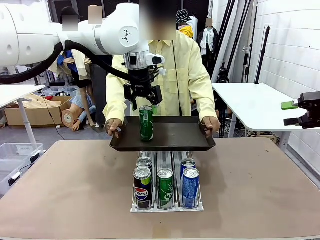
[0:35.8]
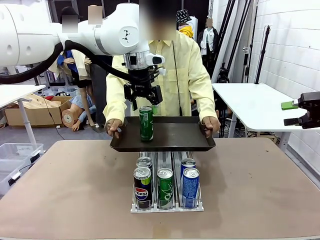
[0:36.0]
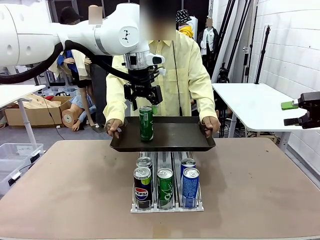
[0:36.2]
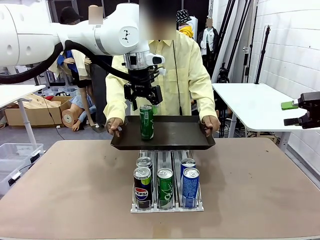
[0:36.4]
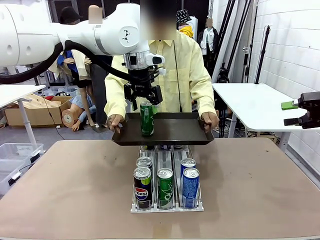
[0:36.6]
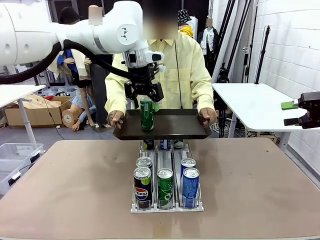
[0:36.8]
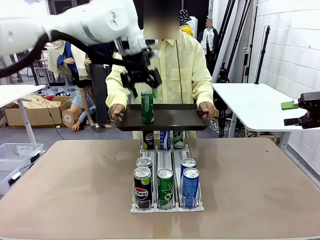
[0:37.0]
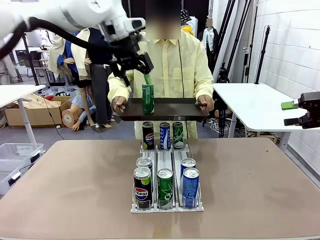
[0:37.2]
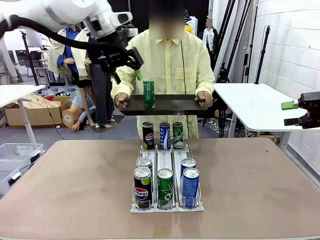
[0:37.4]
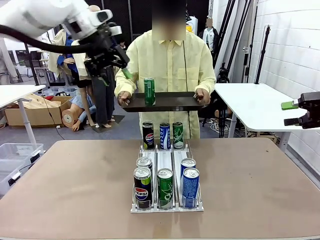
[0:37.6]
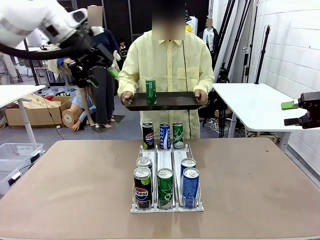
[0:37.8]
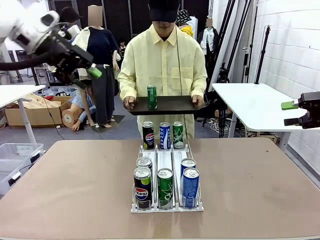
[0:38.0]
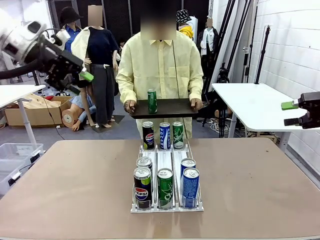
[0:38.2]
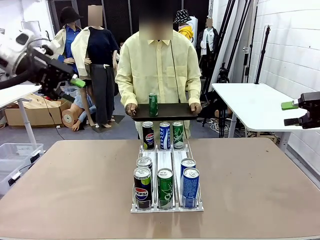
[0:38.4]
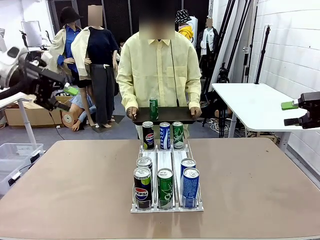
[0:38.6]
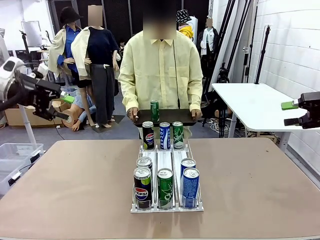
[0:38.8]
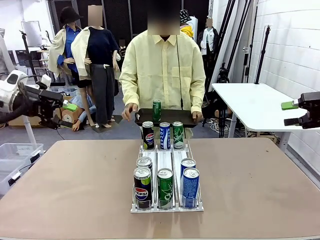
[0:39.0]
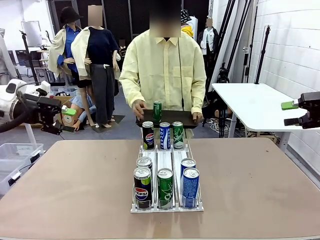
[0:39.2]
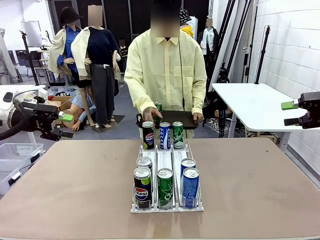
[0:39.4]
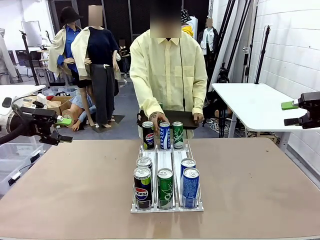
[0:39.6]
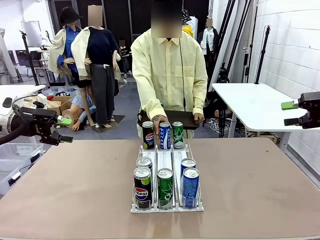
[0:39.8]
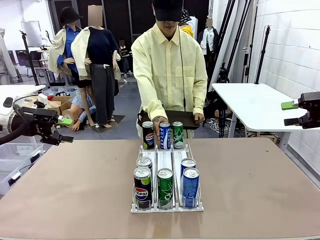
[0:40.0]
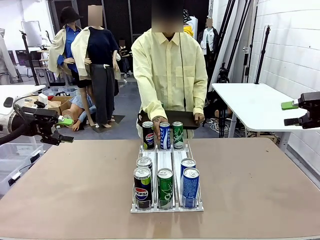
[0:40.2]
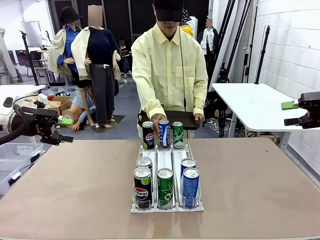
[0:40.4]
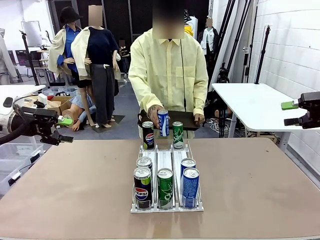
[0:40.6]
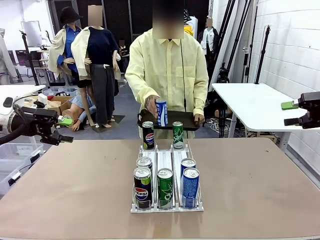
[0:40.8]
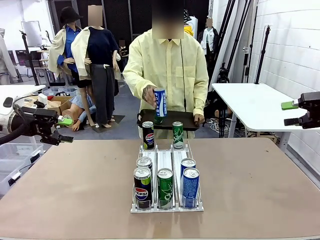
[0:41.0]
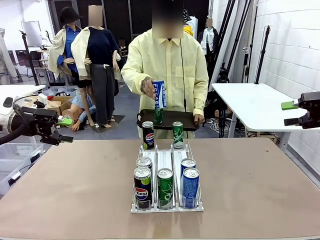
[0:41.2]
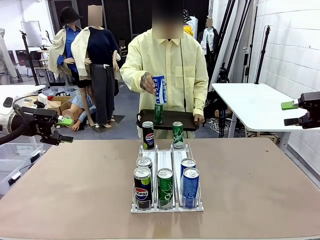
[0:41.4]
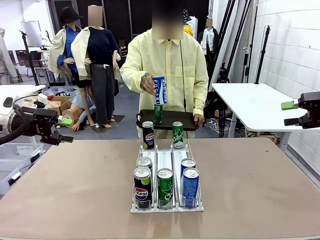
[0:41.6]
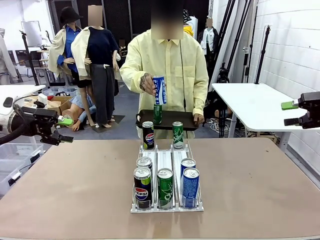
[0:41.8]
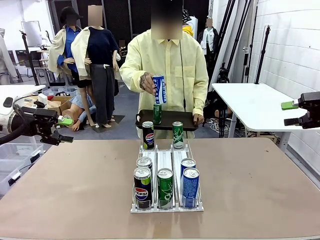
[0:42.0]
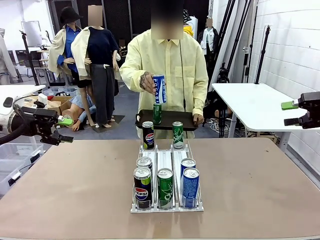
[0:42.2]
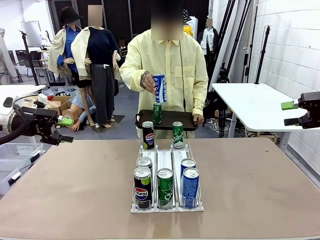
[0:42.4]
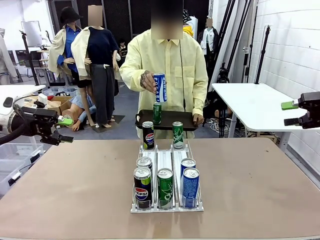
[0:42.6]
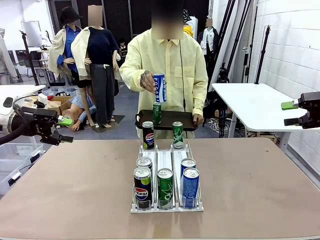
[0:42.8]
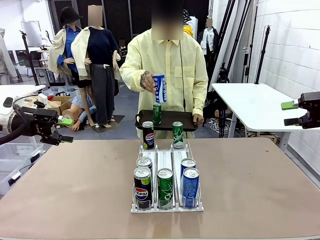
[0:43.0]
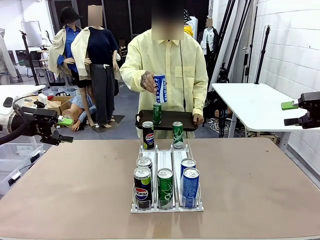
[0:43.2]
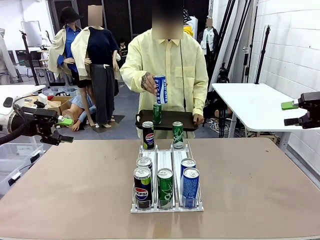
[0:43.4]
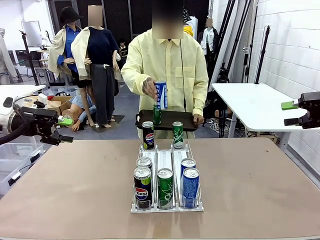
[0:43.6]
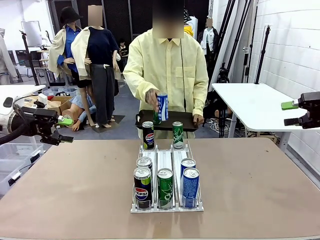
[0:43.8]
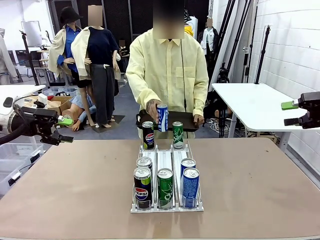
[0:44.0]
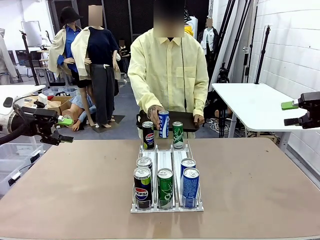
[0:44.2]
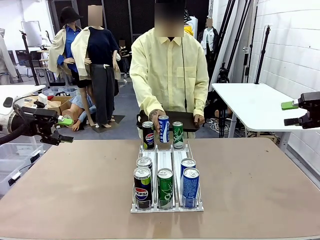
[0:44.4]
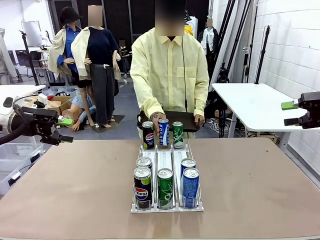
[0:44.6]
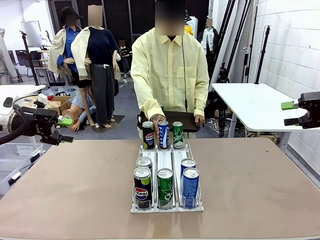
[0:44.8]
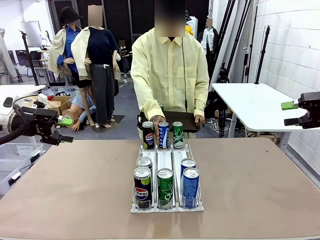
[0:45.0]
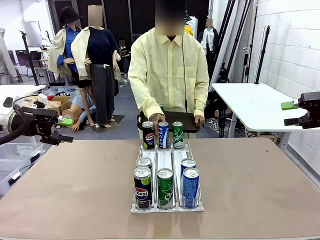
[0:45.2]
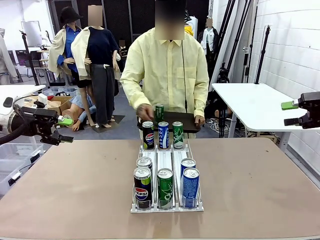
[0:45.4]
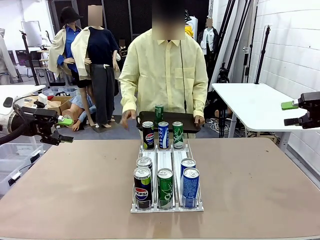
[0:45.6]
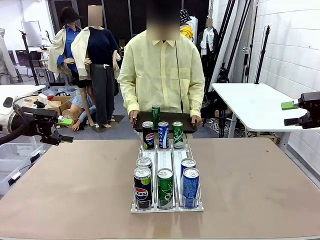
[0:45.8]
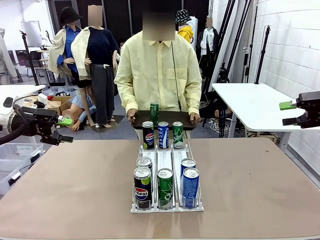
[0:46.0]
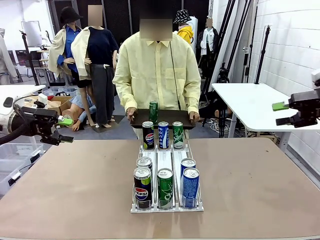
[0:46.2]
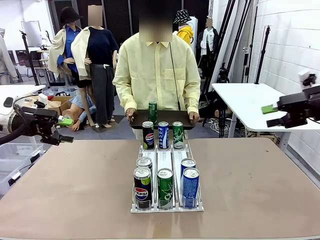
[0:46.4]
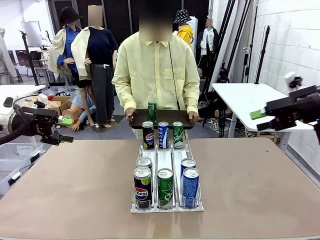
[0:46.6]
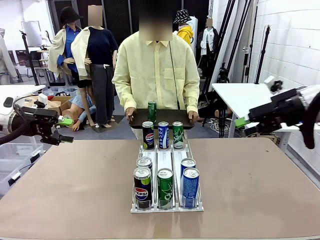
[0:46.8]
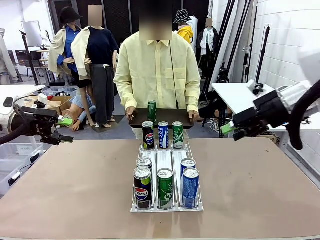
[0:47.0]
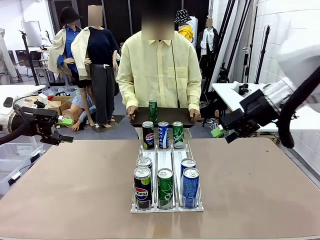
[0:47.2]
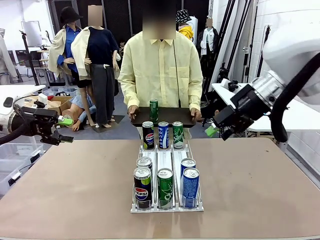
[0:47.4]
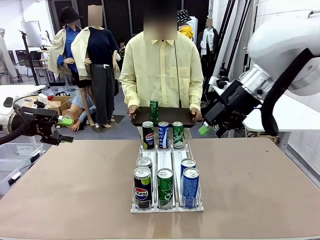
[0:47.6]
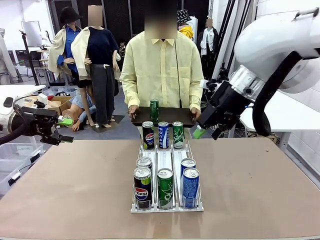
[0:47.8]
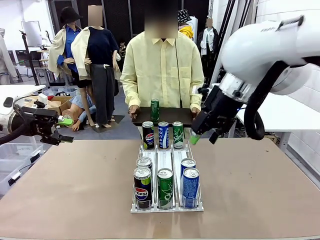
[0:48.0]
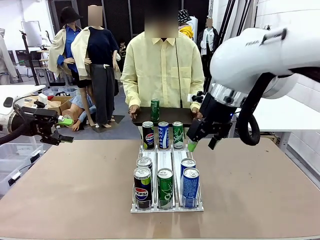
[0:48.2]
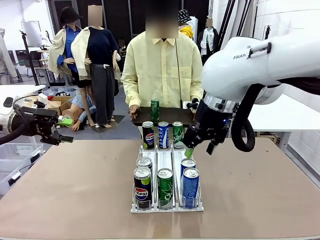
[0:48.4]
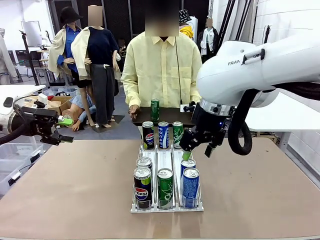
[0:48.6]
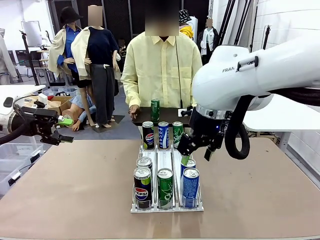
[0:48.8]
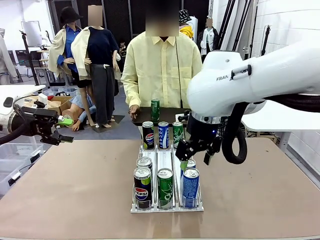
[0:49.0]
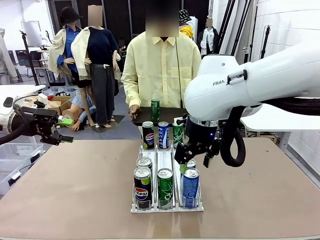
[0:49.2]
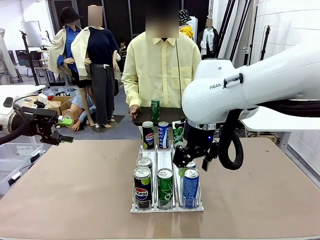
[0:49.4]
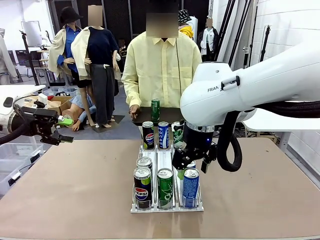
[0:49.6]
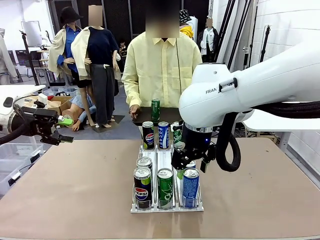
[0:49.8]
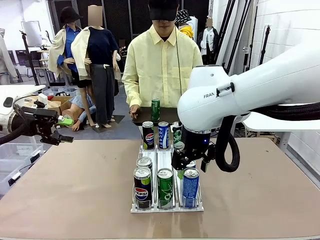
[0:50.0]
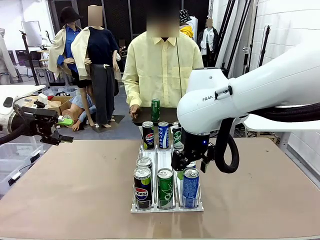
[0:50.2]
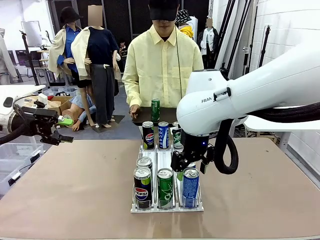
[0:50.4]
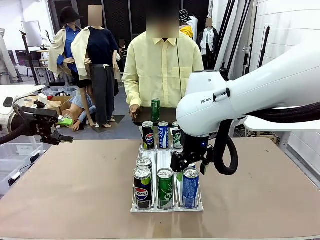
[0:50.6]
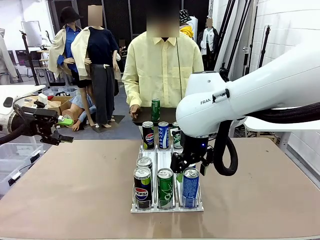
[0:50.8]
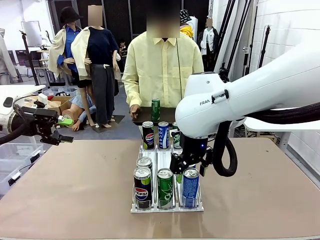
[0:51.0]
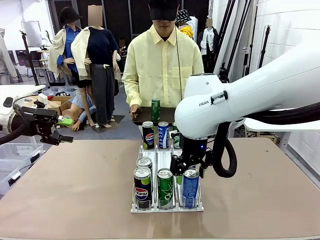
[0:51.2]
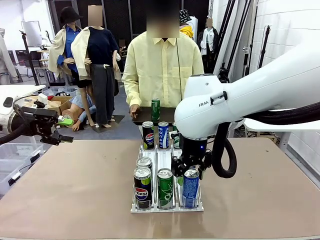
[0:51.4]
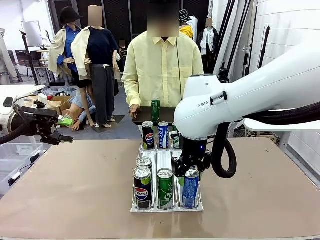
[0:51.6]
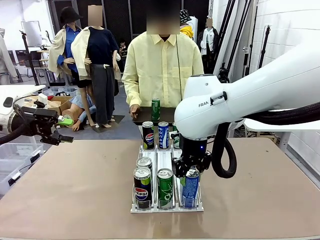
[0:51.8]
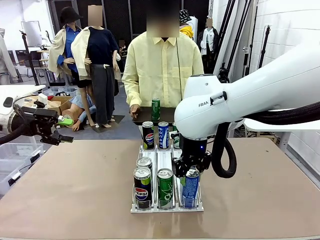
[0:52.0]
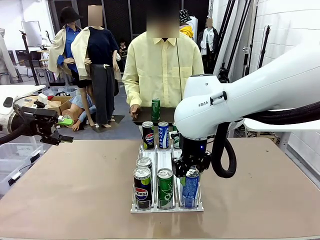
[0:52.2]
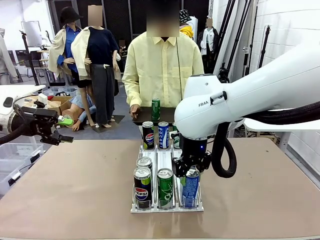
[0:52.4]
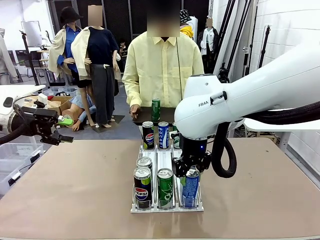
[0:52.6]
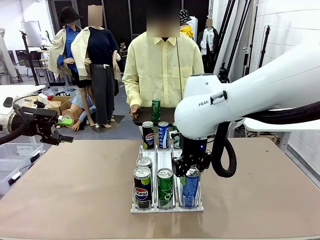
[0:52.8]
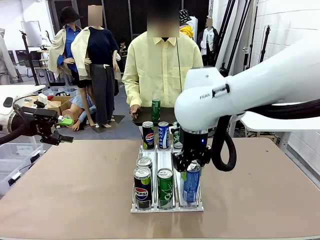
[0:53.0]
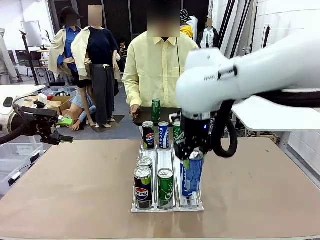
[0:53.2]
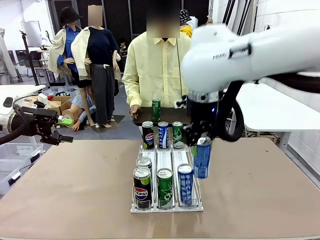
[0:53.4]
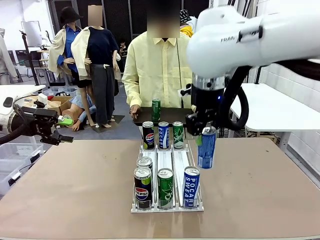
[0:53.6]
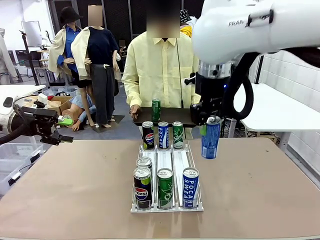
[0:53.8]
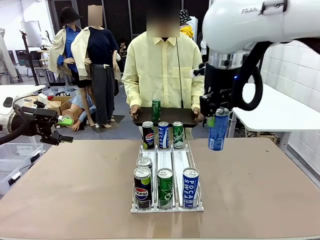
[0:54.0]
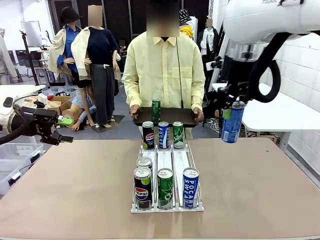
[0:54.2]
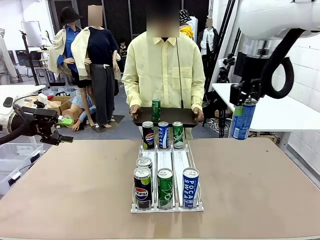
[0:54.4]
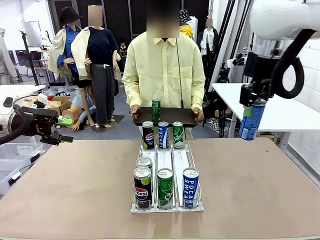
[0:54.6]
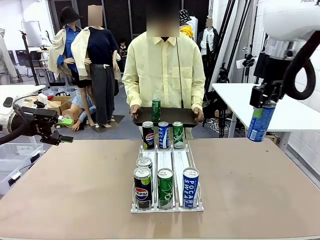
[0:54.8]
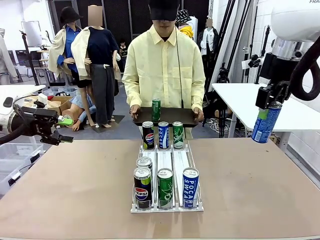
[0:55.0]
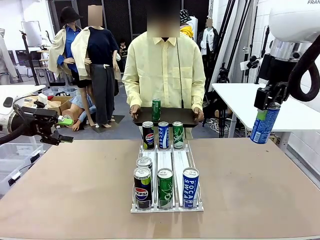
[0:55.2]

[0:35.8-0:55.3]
Task: Retrieve and hand over the desired beverage to the person.
Robot: Pick up another can of the same type that the person held from the Automatic Can Dispenser.
Person: Pull the tray back, then pick up another can from the bottom area of the table and puts it back in its original place. Push the tray toward the robot again.
